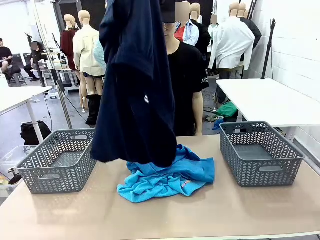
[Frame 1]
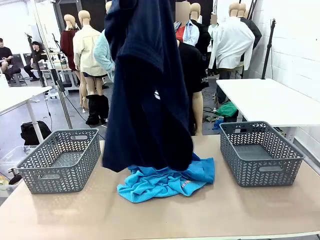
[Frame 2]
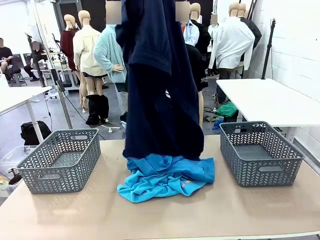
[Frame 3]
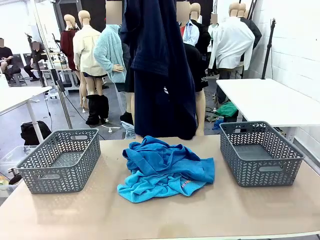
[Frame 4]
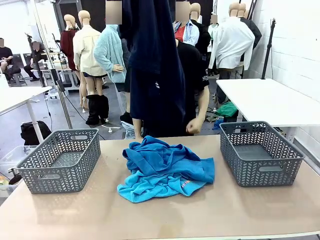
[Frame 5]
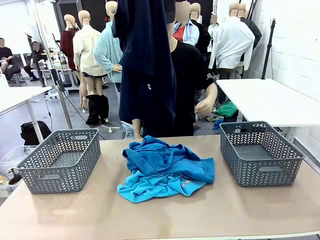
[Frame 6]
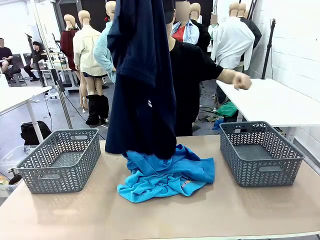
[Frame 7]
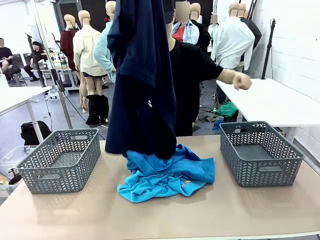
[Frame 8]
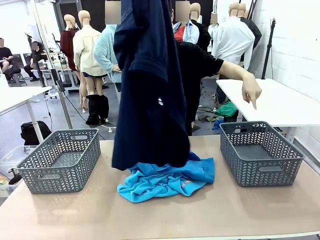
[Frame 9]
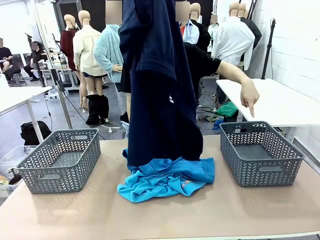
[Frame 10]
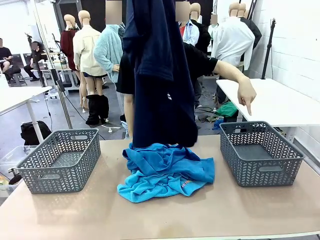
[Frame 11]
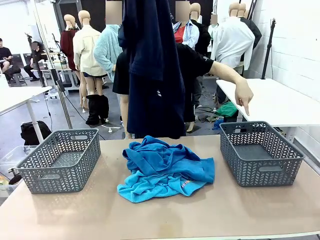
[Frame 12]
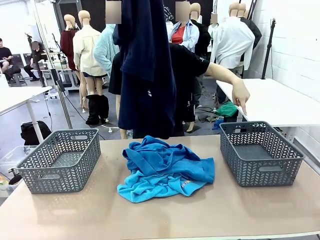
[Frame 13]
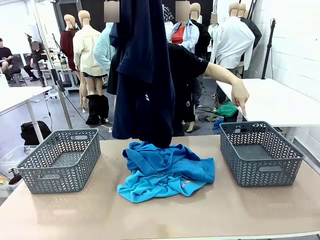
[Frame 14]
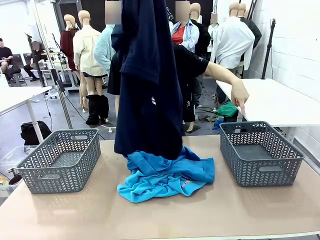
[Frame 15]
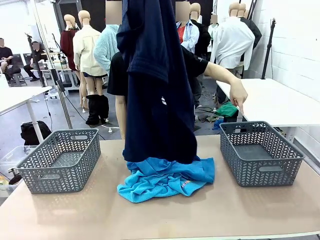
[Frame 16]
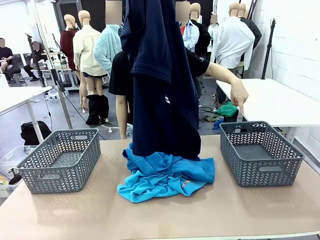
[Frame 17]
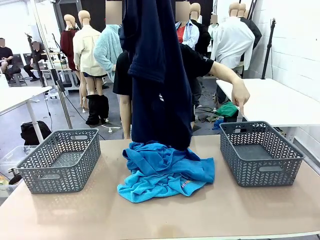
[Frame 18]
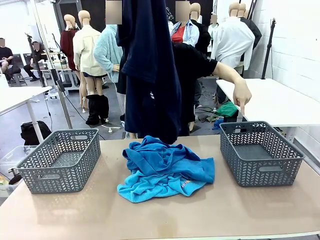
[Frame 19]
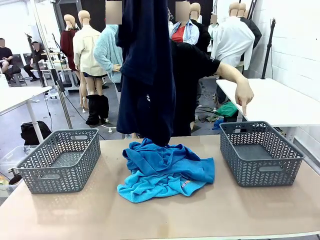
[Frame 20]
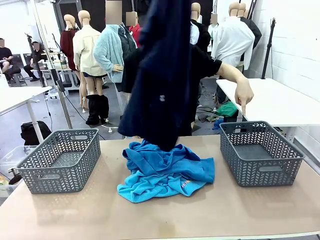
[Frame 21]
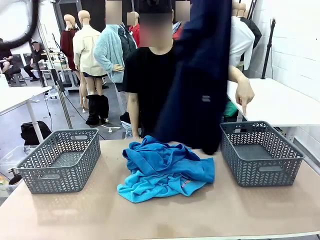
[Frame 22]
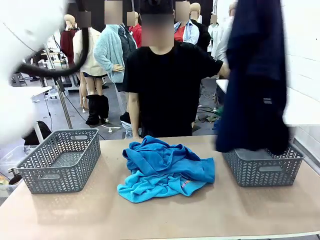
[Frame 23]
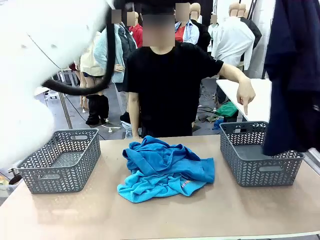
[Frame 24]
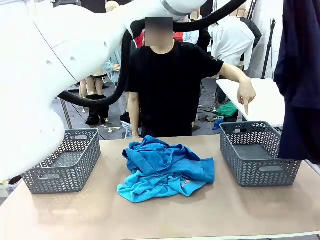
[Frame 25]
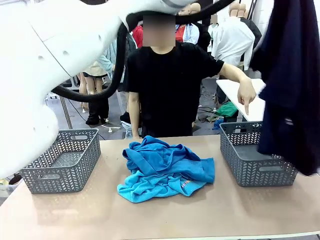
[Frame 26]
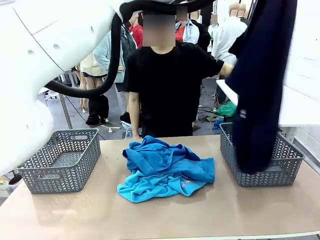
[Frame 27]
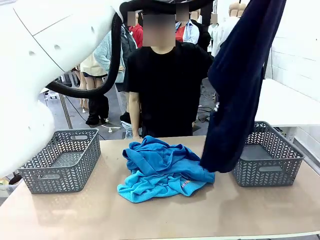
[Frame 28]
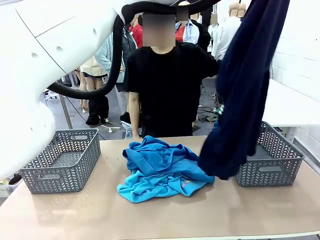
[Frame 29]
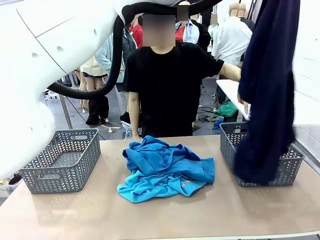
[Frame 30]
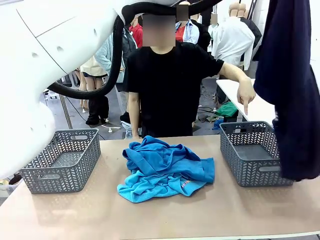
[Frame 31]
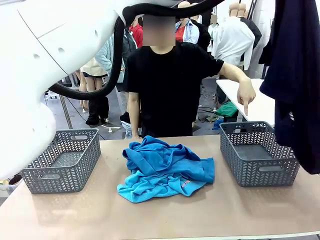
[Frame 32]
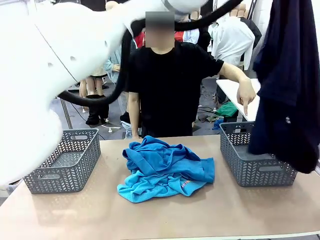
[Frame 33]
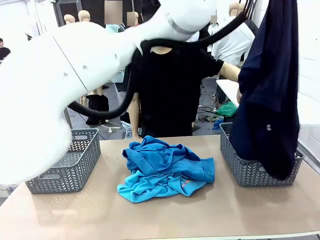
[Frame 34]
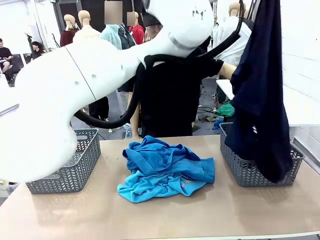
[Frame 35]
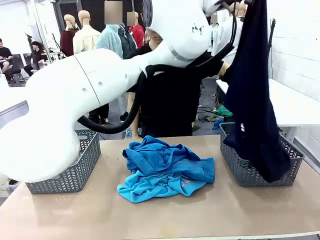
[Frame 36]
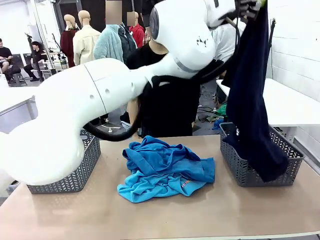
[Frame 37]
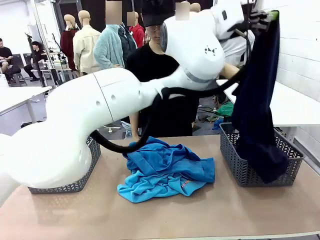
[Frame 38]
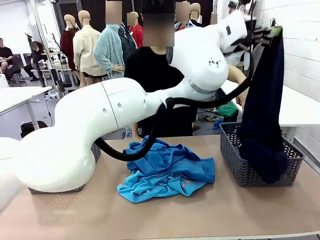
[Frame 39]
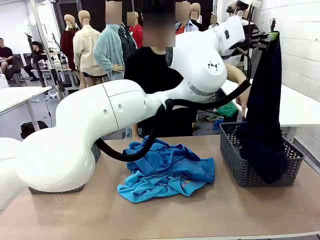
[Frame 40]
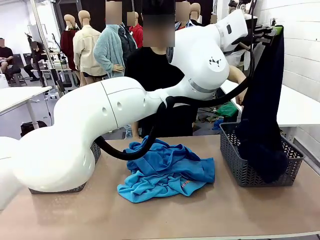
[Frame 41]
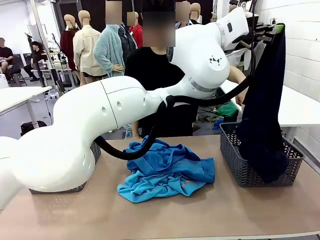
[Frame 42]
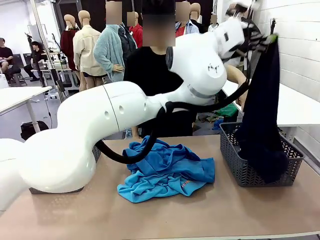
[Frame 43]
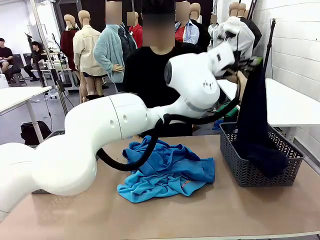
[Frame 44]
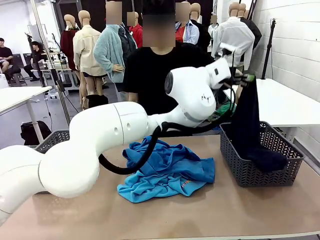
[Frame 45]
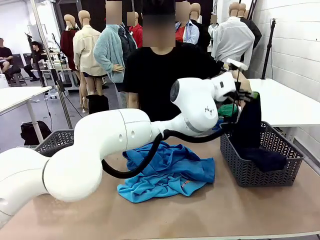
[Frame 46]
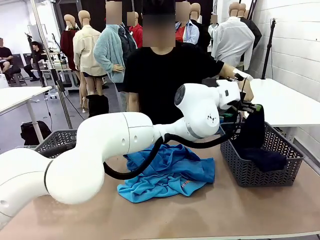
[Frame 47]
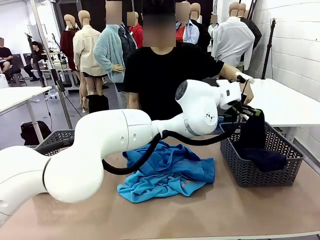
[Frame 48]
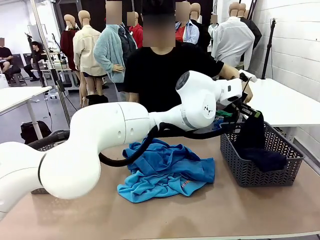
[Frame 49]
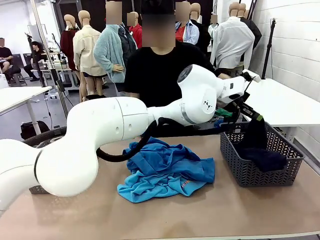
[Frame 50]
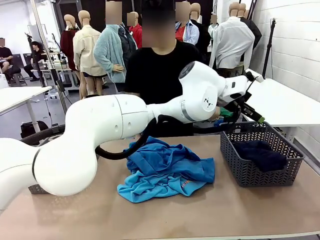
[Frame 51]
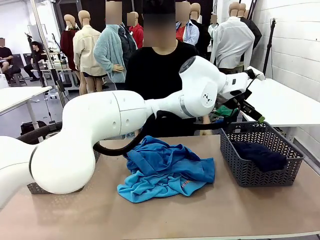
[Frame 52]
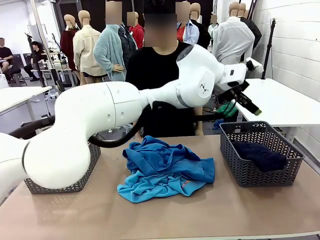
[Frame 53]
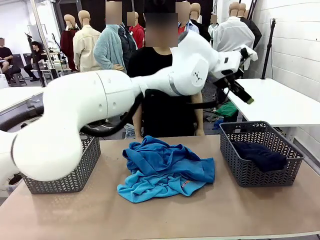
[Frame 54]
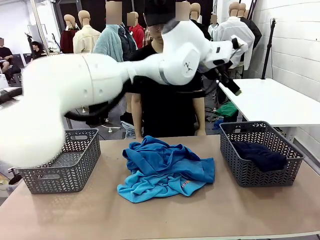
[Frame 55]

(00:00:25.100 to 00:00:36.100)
Task: Sort the tops and bottoms.
Robot: Sort the clothes according to human instructions.

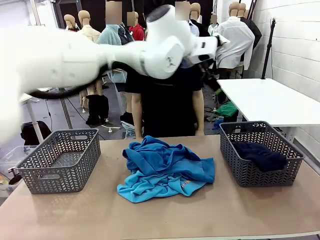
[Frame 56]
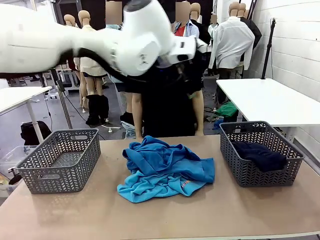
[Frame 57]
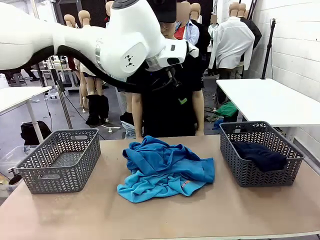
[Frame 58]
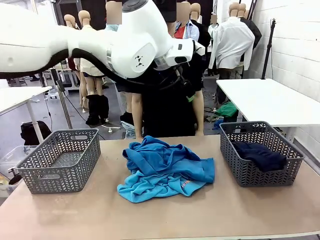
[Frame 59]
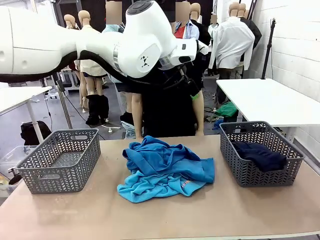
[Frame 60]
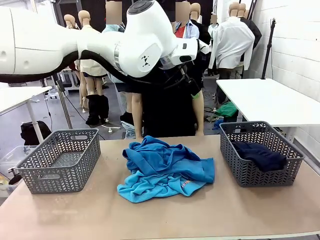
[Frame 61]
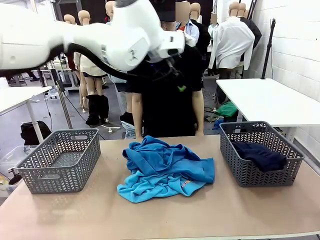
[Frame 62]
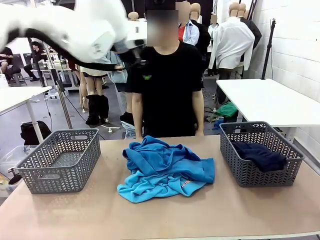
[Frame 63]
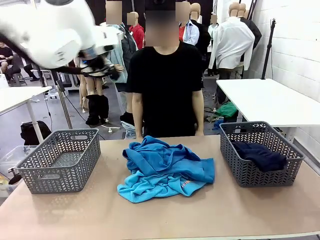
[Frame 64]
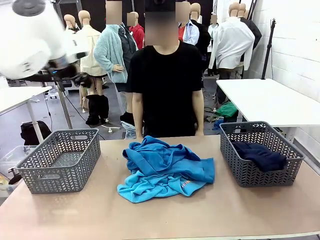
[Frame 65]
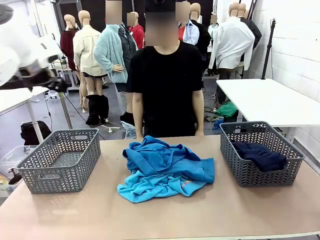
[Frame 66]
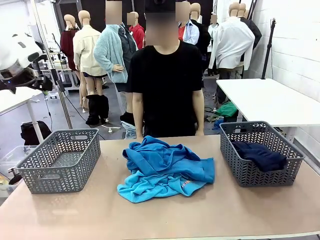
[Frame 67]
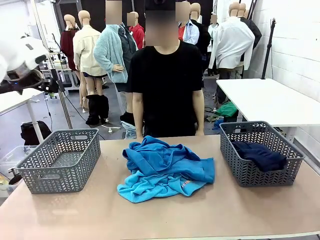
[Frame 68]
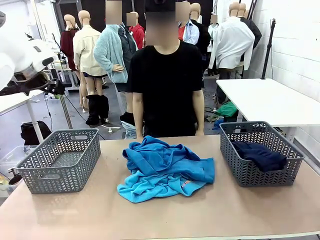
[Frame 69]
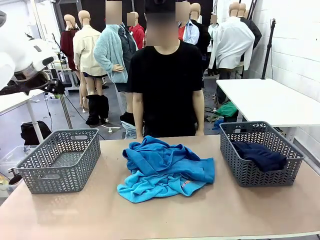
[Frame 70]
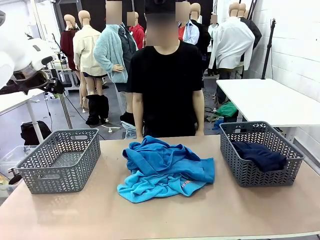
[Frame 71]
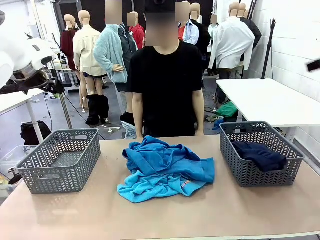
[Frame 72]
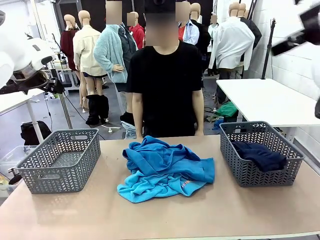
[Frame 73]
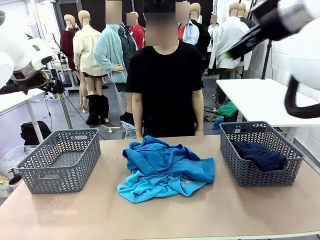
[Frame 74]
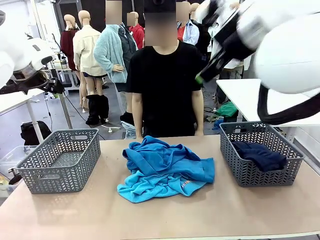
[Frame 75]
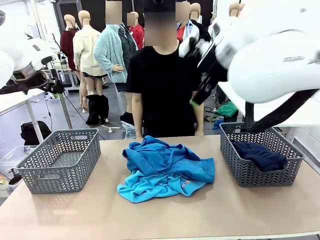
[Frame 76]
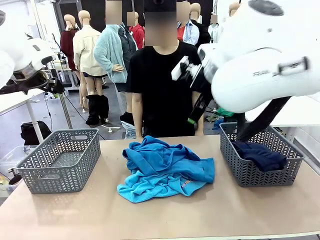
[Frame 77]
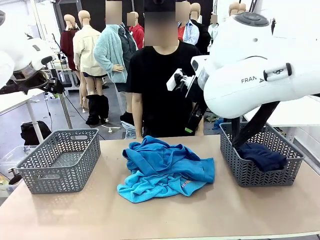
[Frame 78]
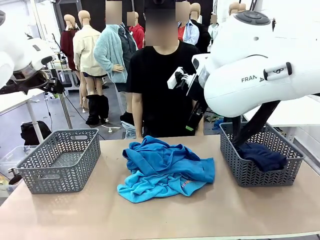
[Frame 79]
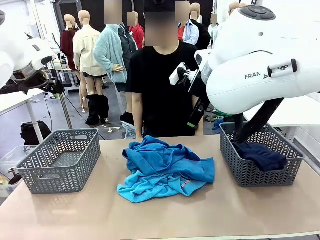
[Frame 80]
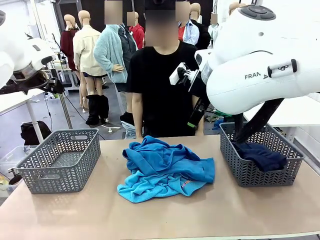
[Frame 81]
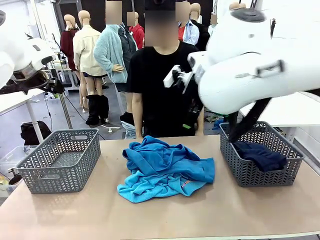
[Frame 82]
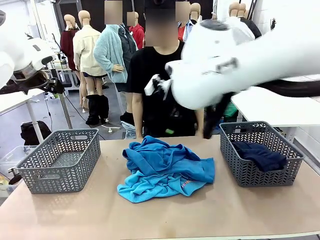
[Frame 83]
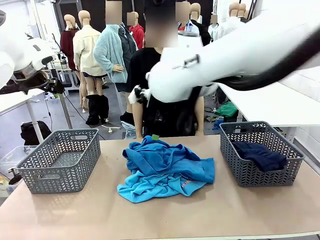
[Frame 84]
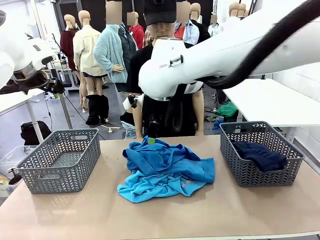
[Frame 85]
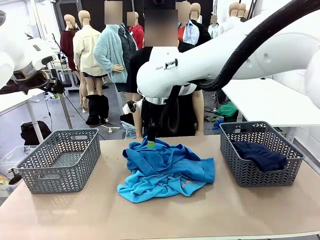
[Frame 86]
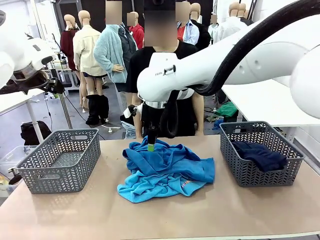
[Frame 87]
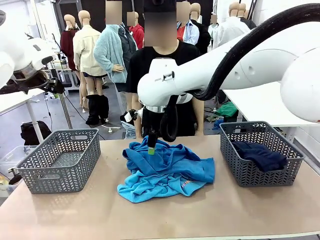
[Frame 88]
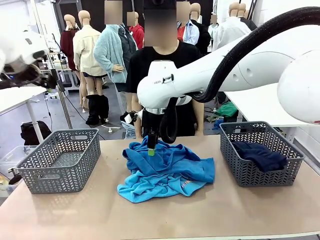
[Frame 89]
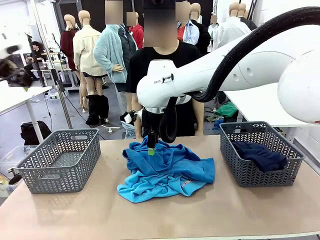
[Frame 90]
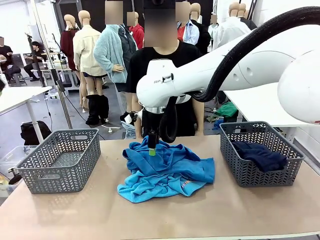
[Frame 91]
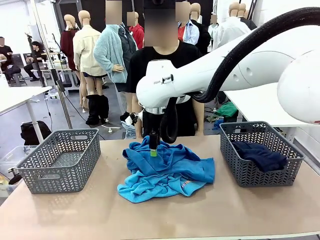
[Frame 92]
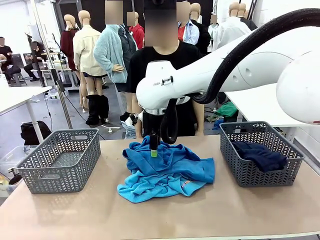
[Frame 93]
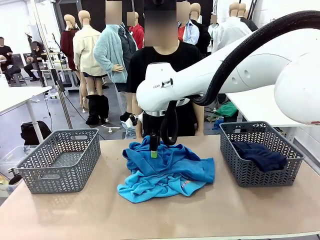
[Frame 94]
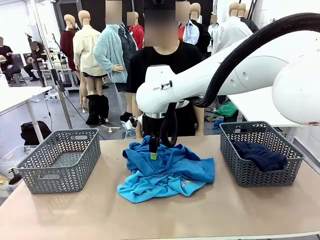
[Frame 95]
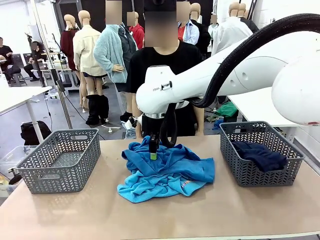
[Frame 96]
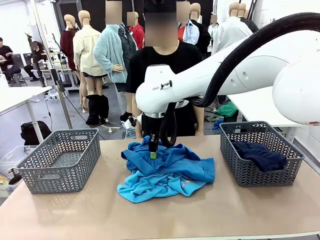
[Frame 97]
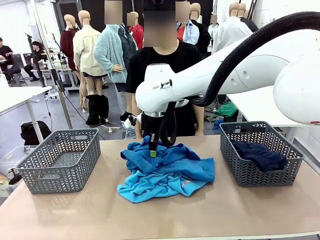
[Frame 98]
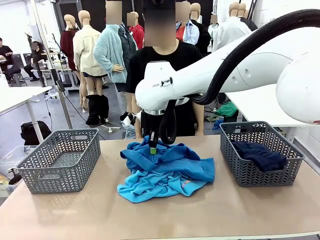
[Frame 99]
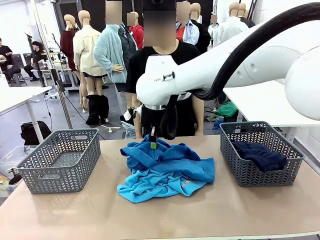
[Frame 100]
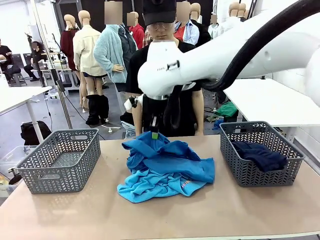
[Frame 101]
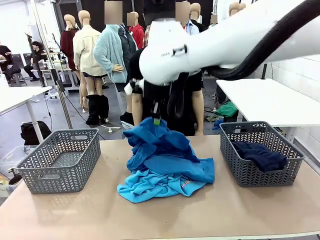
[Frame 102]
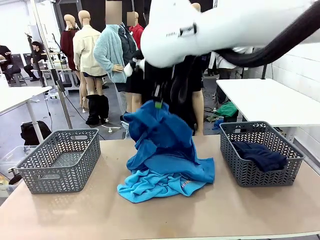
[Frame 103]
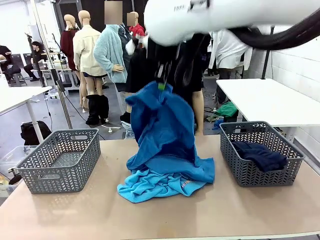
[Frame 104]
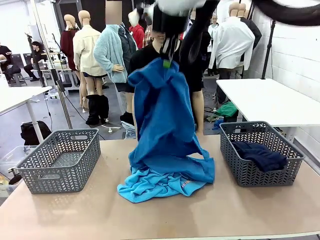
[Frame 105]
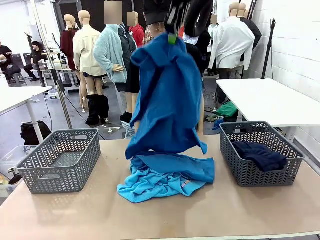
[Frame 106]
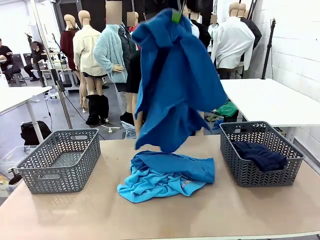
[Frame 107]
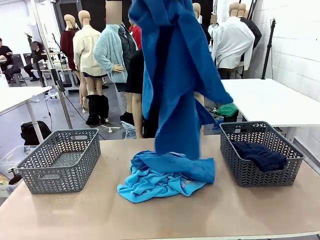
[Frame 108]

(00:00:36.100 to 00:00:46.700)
Robot: Lift clothes from the center of the table with your right hand.
